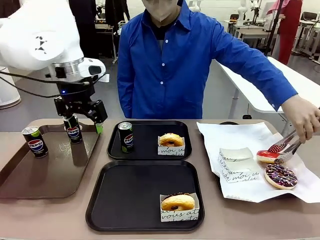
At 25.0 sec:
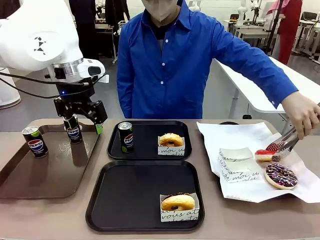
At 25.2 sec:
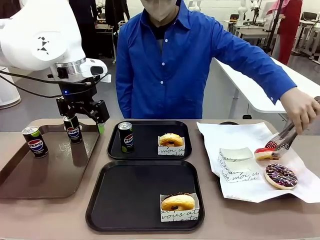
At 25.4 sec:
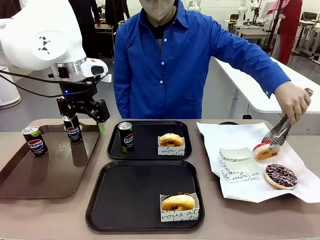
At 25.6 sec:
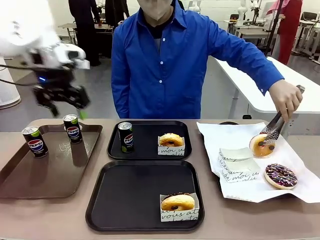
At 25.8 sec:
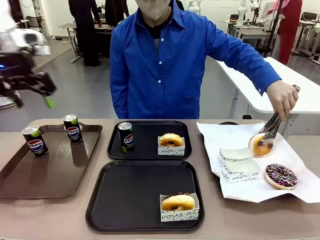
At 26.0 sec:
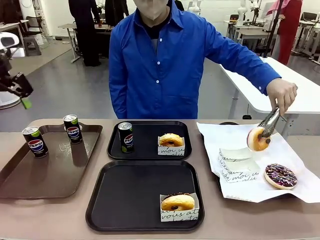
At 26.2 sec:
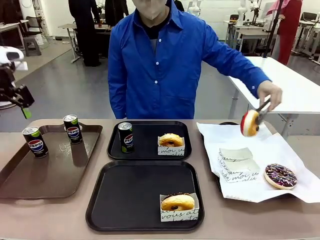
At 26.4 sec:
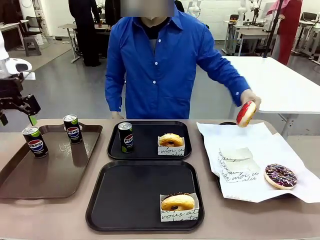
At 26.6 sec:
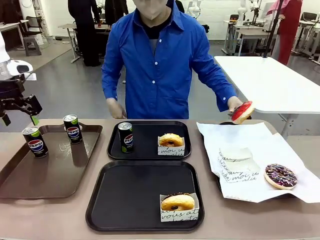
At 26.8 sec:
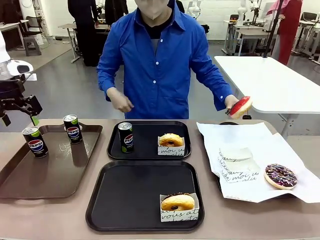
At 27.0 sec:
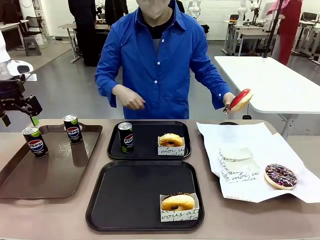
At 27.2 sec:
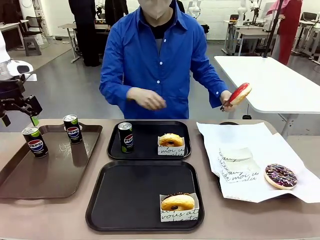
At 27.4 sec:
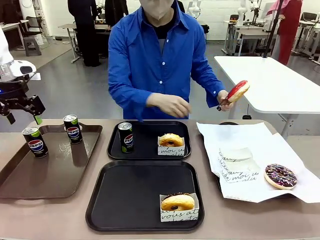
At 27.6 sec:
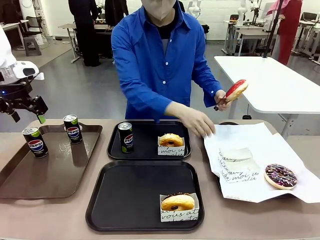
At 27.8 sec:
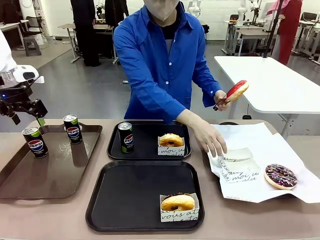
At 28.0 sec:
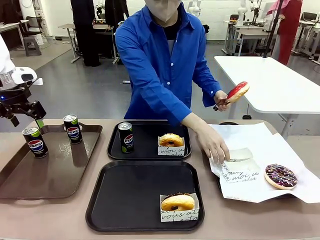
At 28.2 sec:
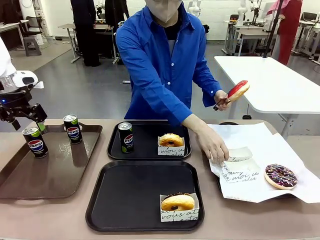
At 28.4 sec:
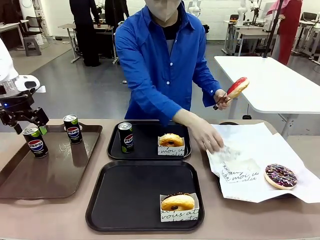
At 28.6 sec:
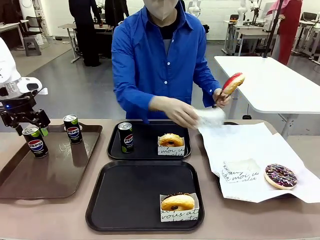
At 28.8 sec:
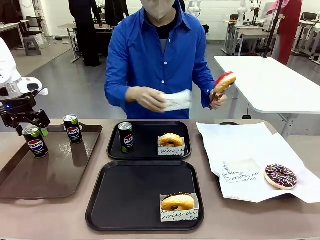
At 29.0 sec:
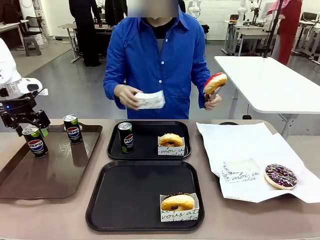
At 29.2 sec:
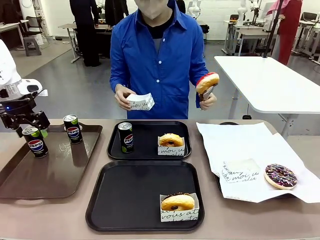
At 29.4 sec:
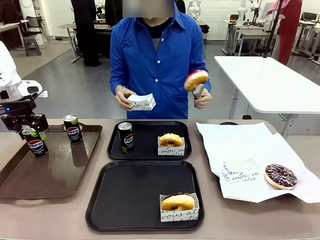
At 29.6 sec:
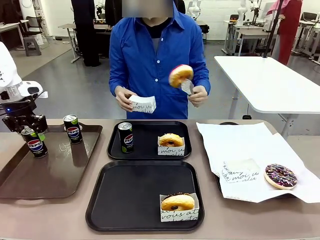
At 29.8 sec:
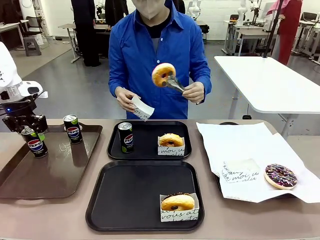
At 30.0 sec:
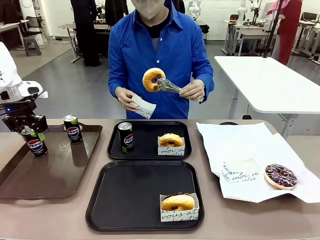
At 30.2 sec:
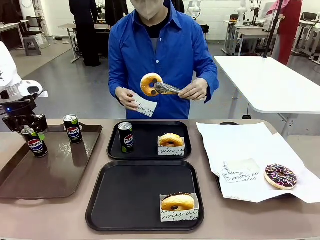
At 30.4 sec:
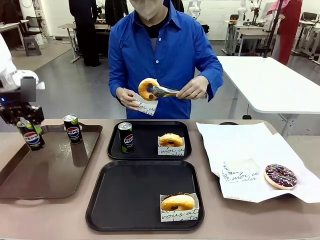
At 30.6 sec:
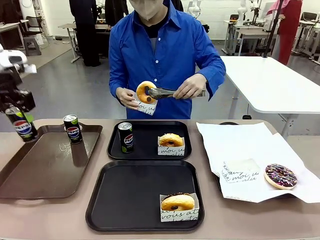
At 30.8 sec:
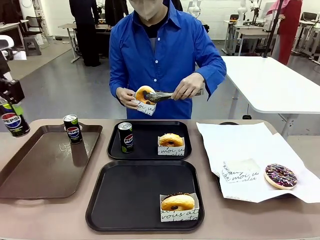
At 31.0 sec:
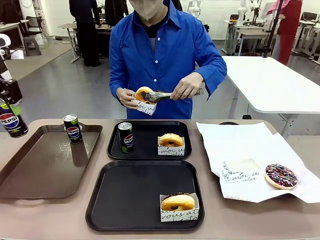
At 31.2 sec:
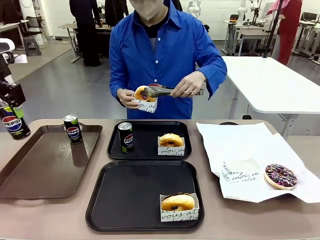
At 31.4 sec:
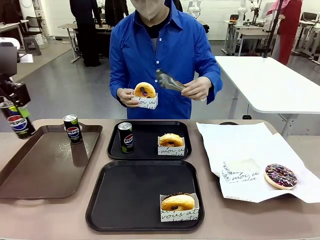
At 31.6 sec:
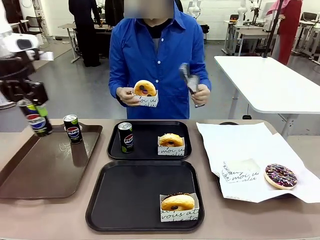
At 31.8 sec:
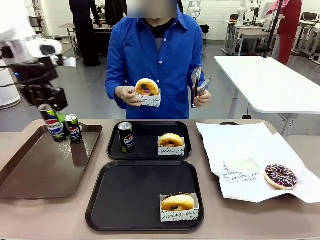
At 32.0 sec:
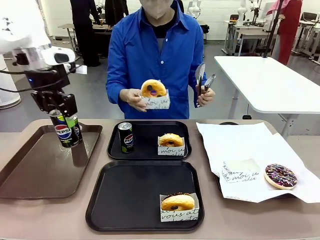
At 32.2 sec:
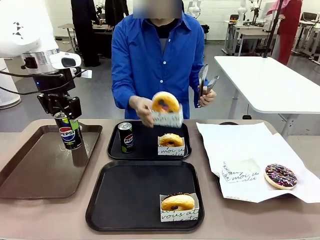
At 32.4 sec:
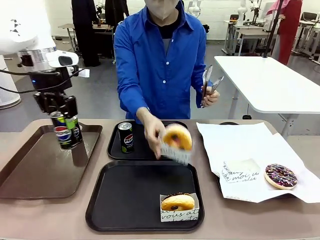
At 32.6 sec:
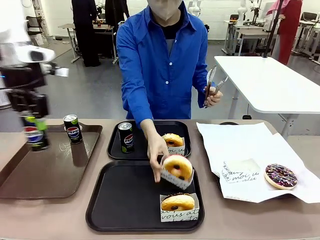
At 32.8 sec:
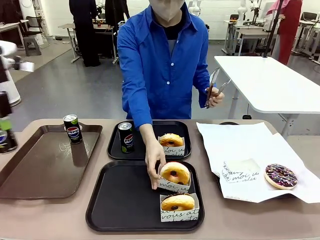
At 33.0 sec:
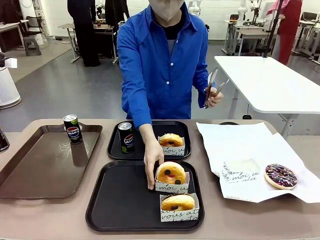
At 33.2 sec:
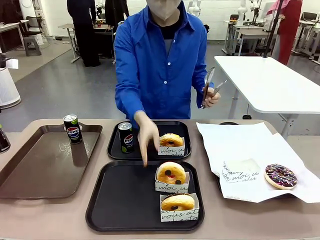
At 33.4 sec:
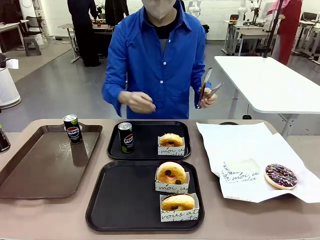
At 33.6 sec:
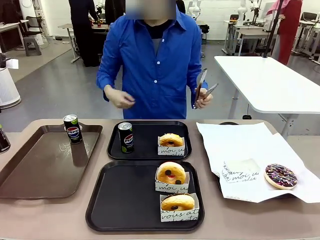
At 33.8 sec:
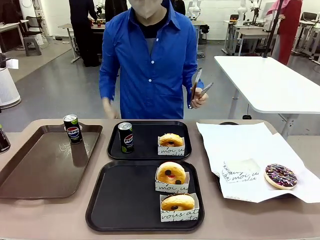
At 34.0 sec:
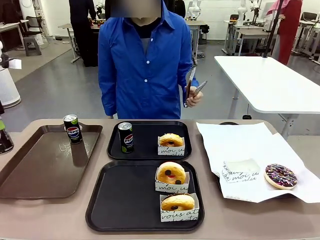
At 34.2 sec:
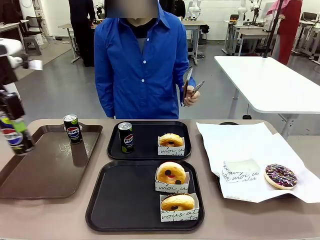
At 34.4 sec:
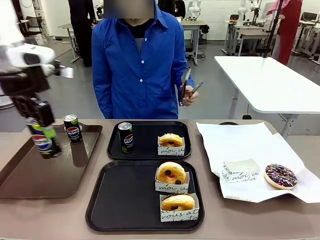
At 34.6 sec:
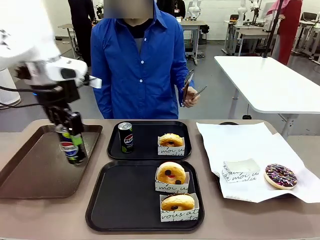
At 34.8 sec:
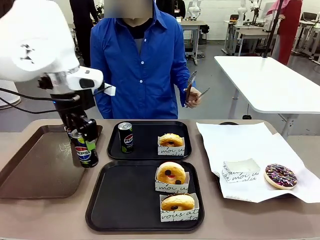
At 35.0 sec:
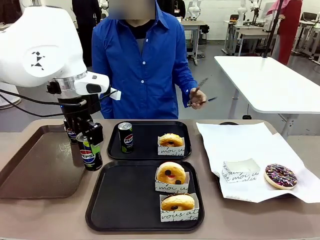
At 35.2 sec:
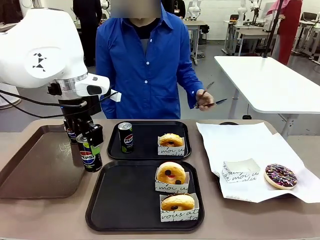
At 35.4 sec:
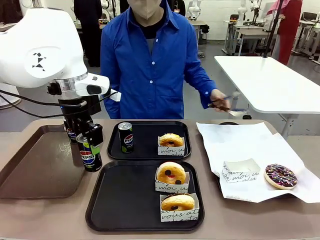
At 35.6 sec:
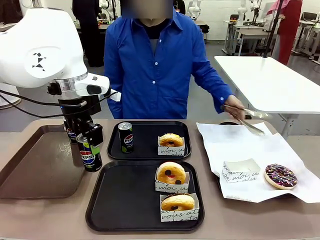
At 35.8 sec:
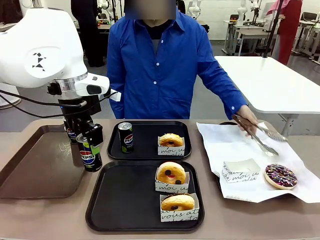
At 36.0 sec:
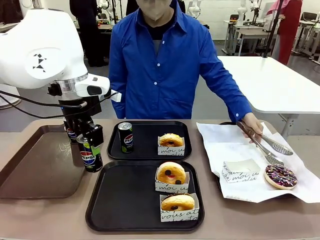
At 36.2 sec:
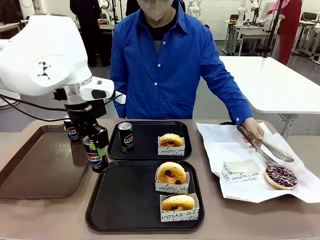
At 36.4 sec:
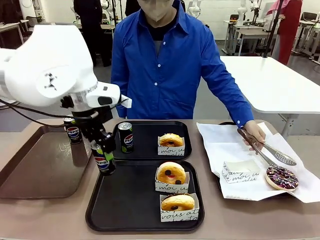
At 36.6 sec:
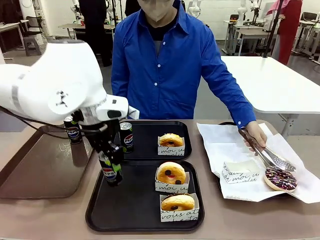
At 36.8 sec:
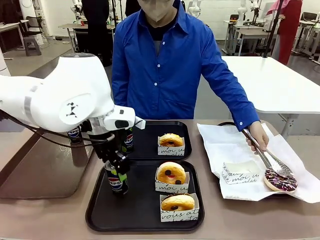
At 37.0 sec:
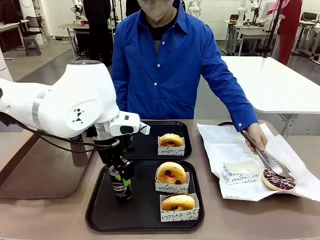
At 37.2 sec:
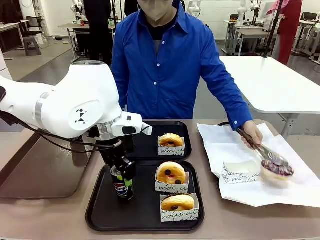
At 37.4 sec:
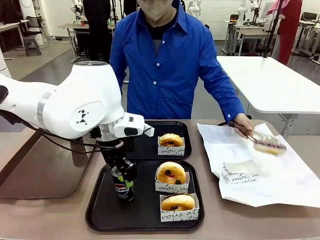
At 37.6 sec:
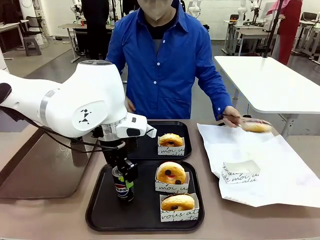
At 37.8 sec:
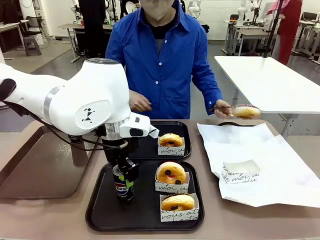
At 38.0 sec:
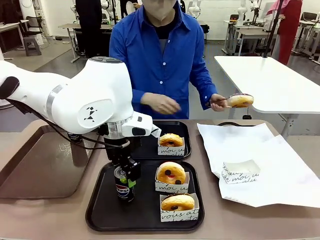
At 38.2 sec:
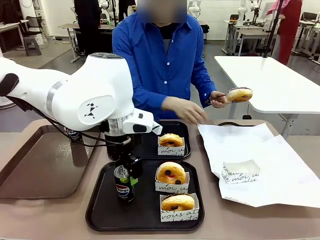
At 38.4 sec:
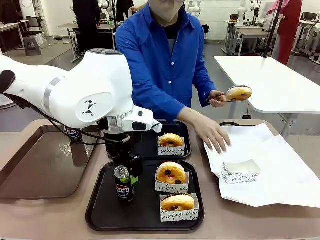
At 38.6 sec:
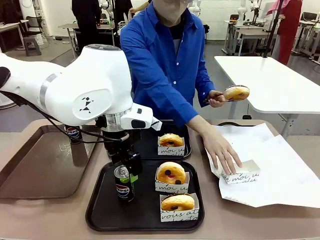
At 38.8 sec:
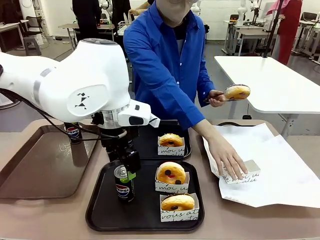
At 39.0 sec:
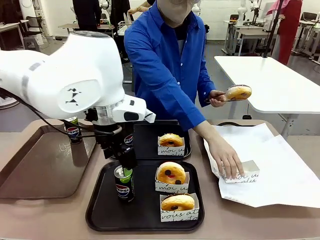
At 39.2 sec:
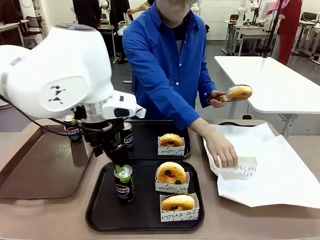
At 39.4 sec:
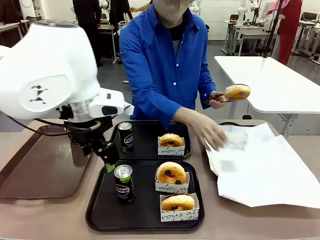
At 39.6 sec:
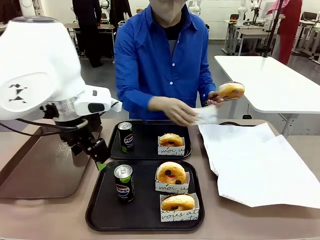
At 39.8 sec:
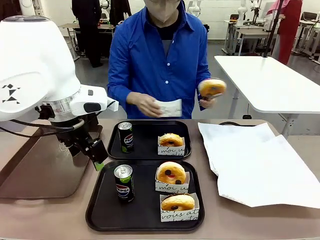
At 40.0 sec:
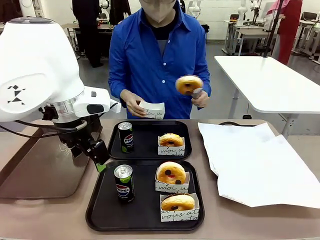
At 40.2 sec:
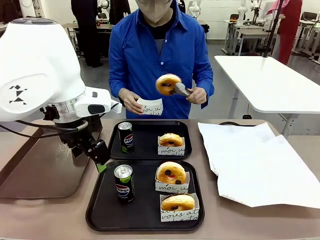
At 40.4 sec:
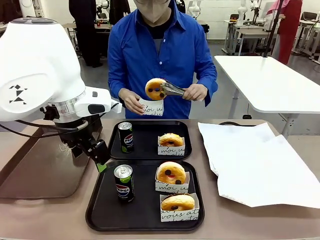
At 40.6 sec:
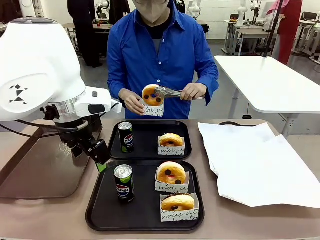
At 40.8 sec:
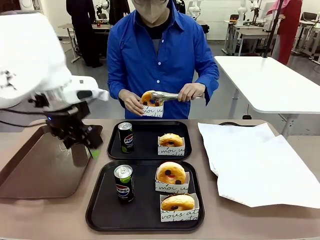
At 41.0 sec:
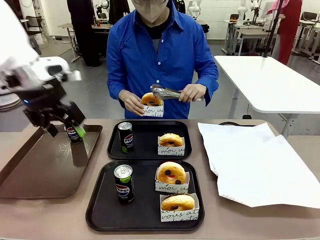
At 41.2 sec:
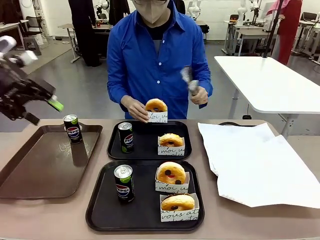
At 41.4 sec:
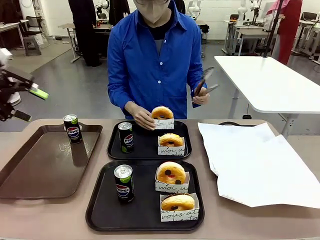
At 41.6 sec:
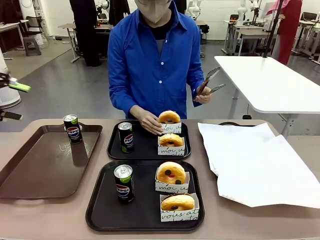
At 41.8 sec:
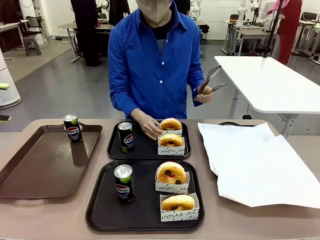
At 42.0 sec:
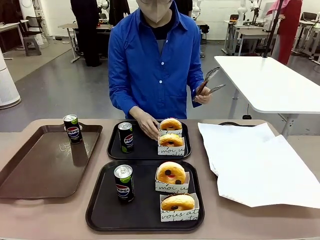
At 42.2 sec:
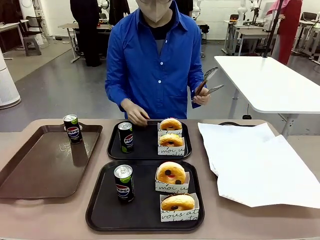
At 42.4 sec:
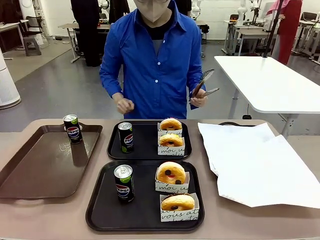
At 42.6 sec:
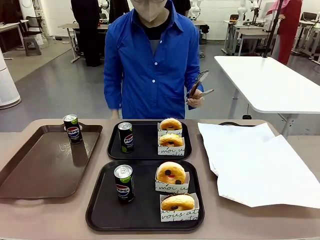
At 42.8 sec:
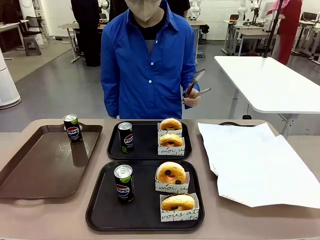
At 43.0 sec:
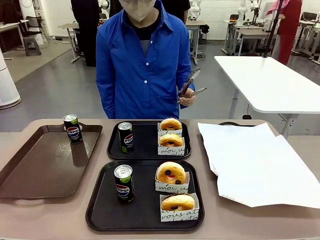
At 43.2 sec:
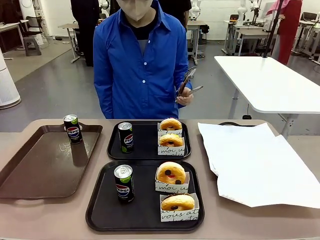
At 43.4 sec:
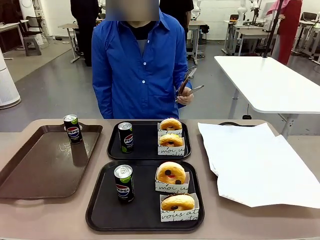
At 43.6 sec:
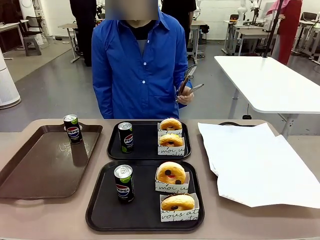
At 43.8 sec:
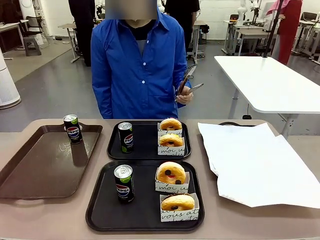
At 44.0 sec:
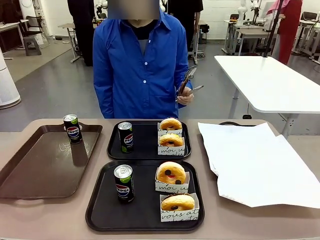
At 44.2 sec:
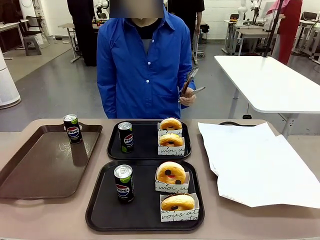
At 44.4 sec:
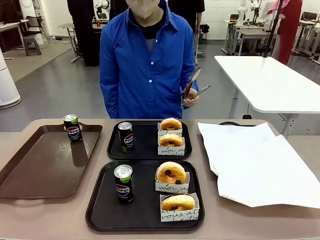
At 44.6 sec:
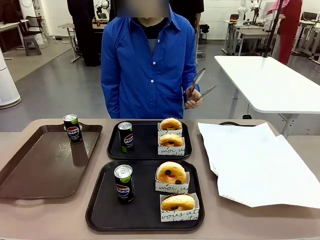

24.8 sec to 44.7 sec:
Task: Set up donuts and drinks on trays.
Robot: Pick up one Pepsi coke from the Handle tray and place it on the Flat Tray without a Pepsi coke.
